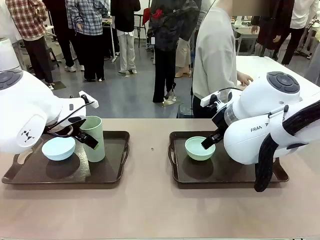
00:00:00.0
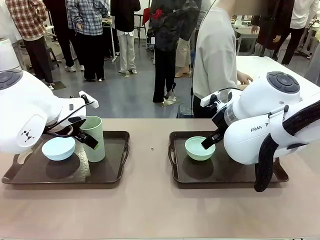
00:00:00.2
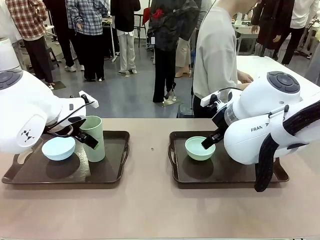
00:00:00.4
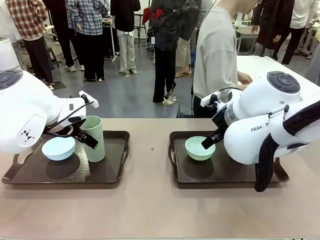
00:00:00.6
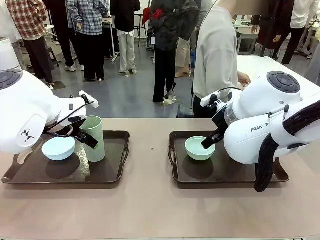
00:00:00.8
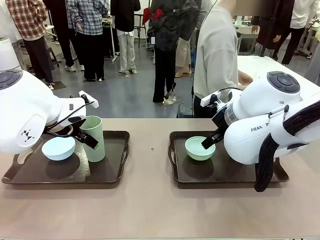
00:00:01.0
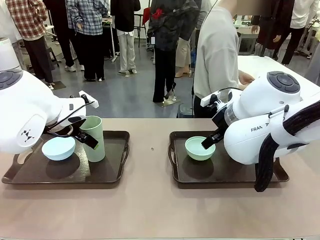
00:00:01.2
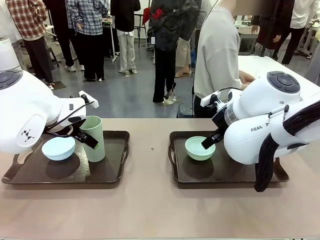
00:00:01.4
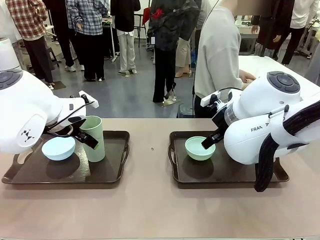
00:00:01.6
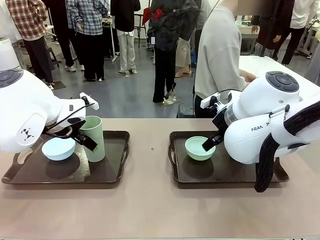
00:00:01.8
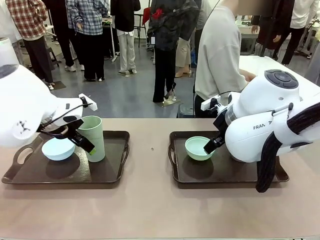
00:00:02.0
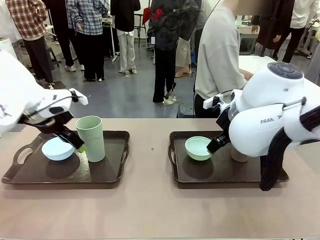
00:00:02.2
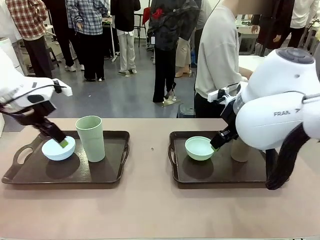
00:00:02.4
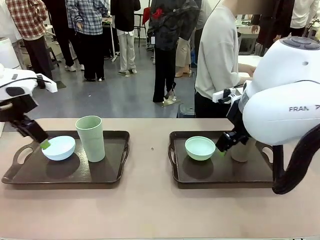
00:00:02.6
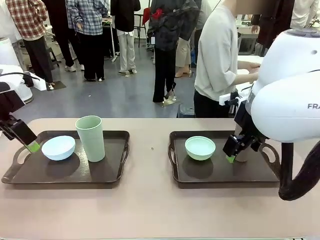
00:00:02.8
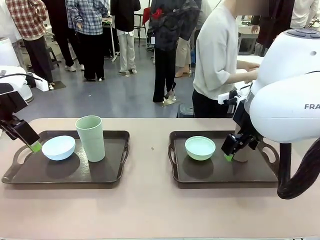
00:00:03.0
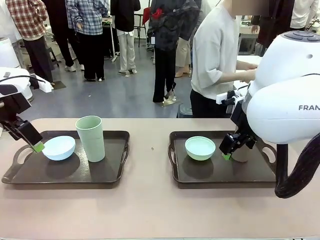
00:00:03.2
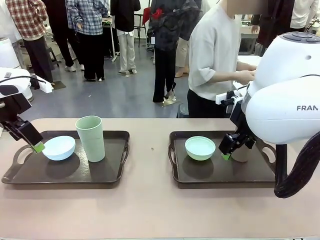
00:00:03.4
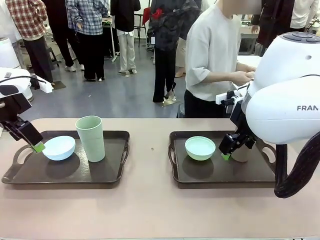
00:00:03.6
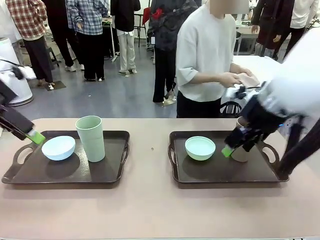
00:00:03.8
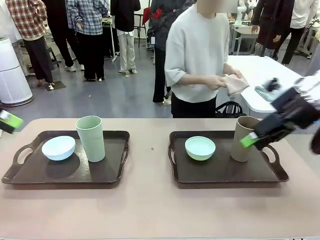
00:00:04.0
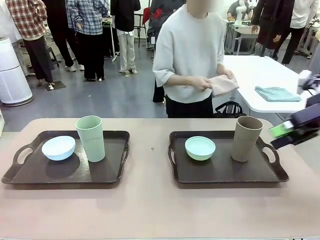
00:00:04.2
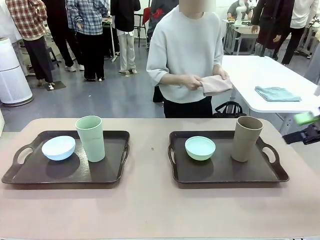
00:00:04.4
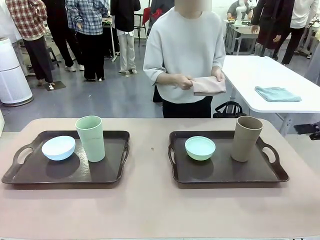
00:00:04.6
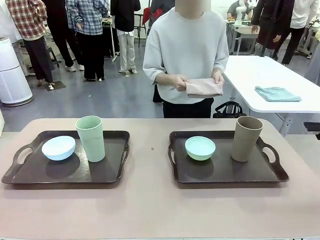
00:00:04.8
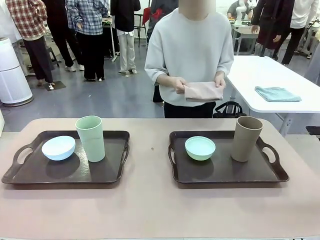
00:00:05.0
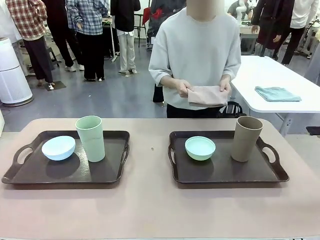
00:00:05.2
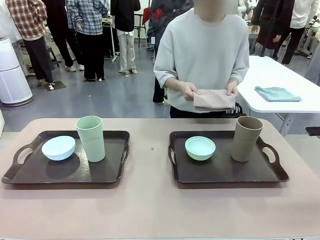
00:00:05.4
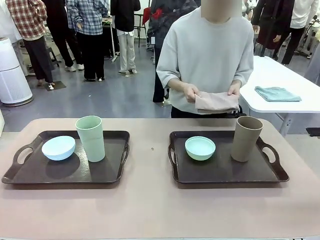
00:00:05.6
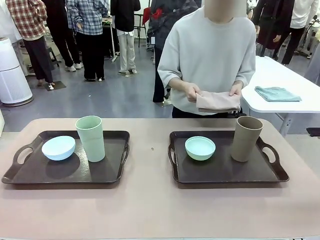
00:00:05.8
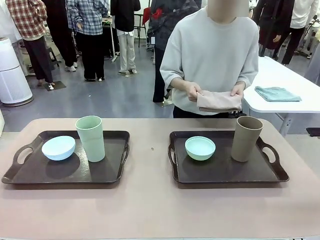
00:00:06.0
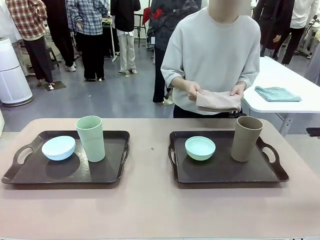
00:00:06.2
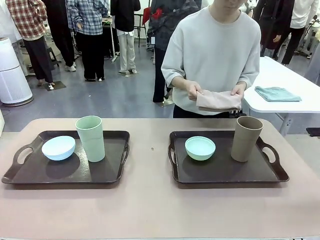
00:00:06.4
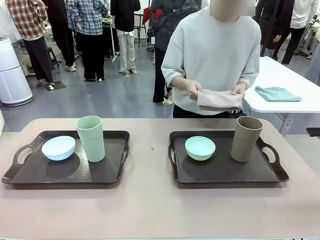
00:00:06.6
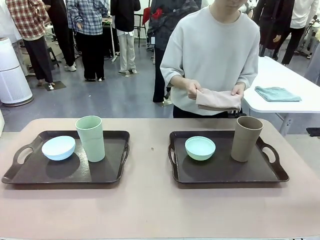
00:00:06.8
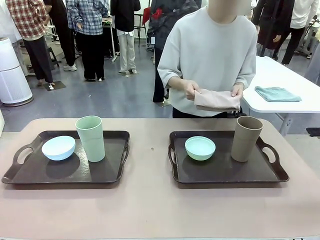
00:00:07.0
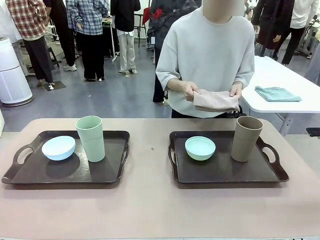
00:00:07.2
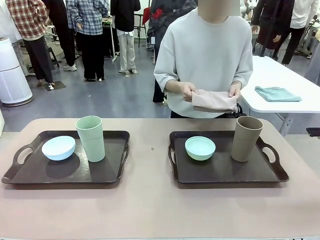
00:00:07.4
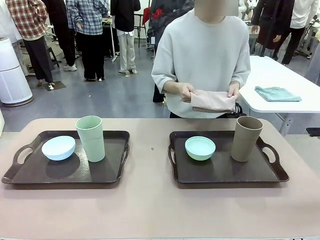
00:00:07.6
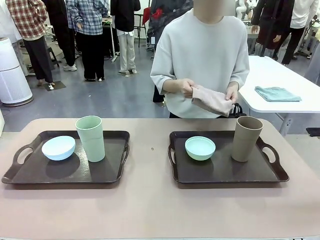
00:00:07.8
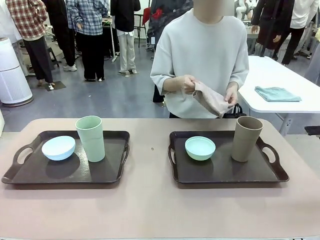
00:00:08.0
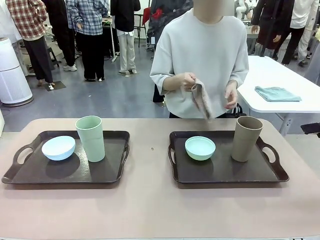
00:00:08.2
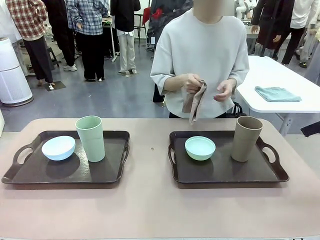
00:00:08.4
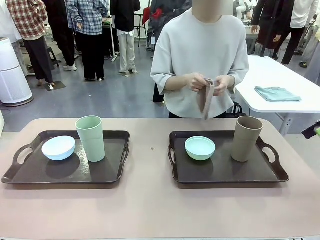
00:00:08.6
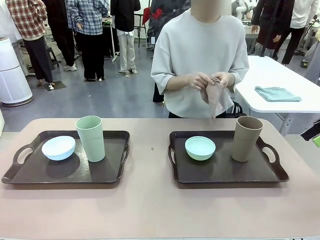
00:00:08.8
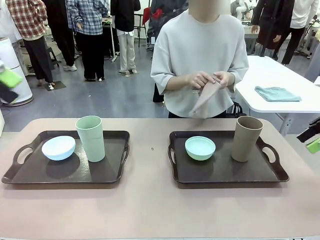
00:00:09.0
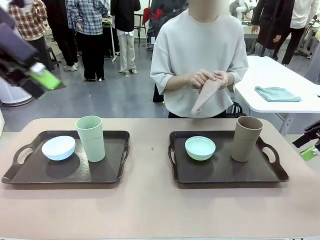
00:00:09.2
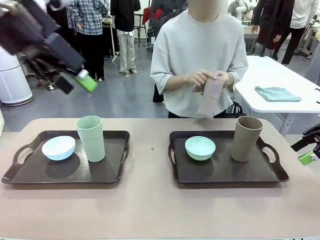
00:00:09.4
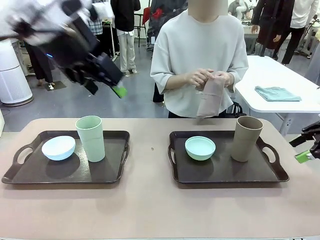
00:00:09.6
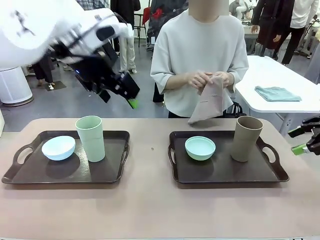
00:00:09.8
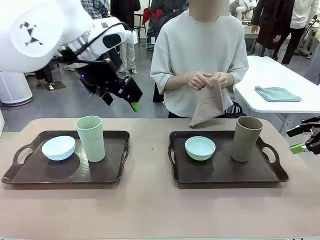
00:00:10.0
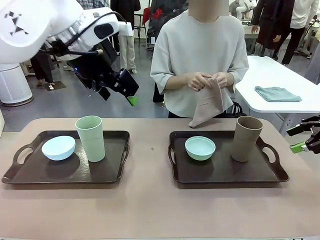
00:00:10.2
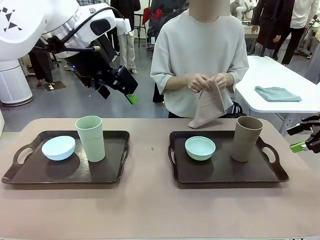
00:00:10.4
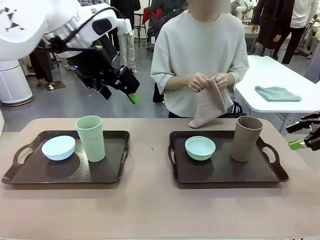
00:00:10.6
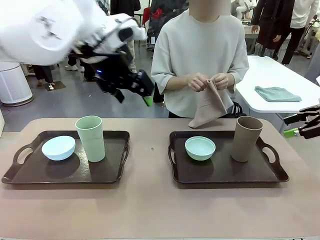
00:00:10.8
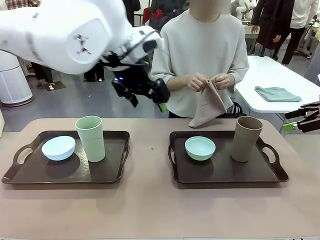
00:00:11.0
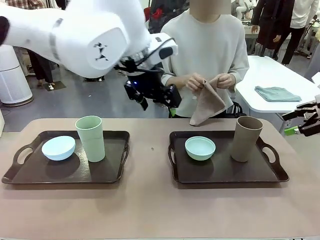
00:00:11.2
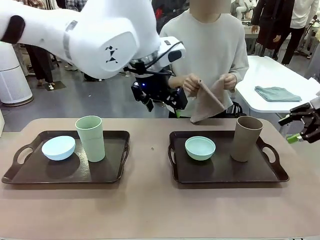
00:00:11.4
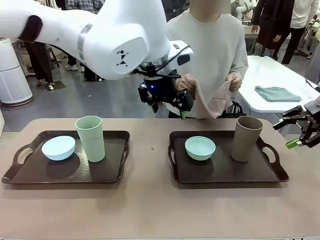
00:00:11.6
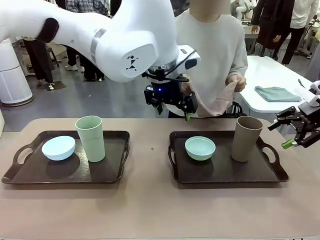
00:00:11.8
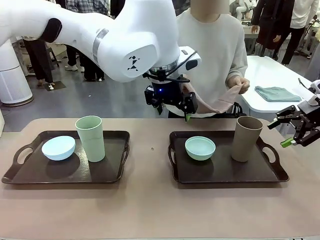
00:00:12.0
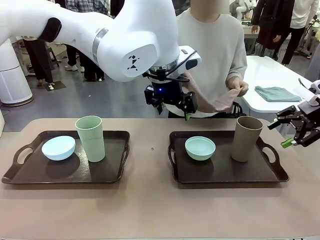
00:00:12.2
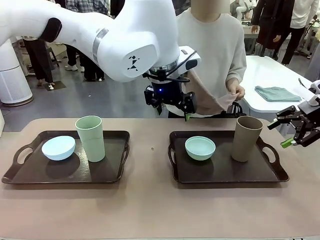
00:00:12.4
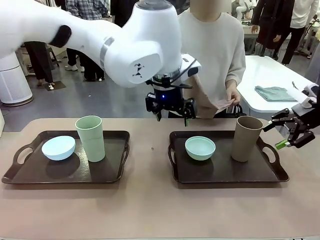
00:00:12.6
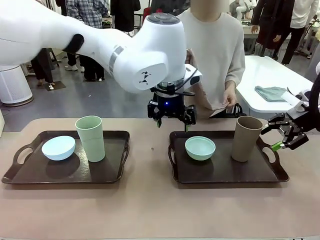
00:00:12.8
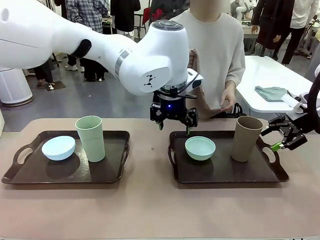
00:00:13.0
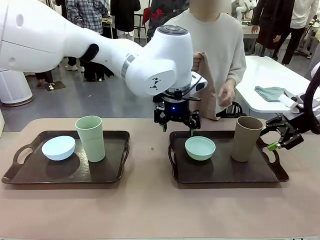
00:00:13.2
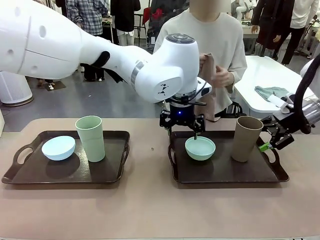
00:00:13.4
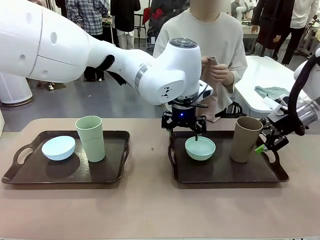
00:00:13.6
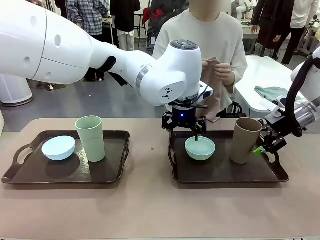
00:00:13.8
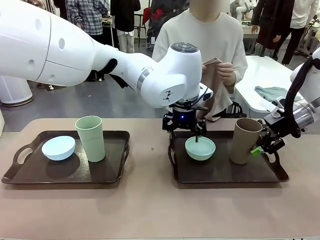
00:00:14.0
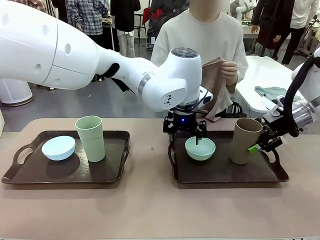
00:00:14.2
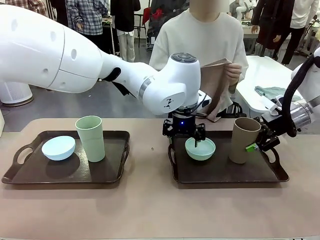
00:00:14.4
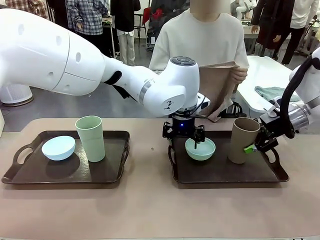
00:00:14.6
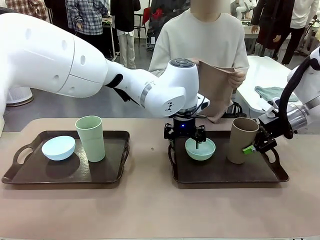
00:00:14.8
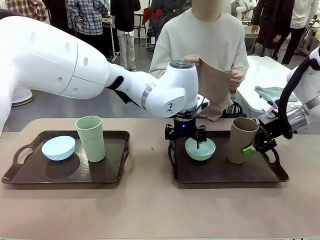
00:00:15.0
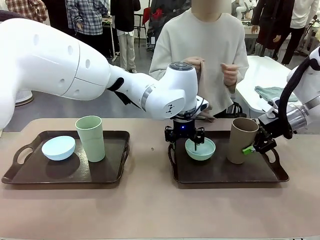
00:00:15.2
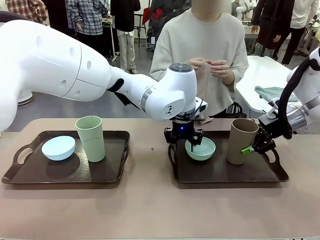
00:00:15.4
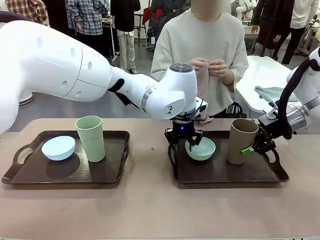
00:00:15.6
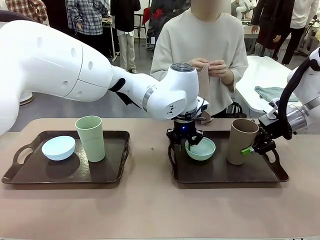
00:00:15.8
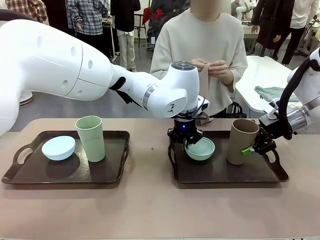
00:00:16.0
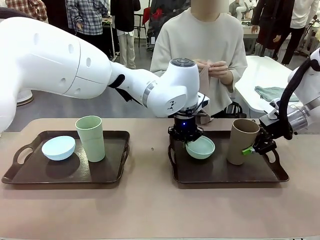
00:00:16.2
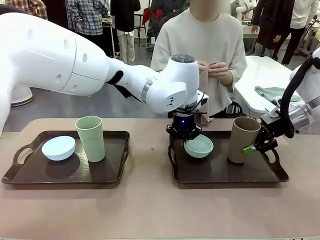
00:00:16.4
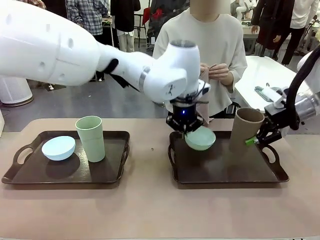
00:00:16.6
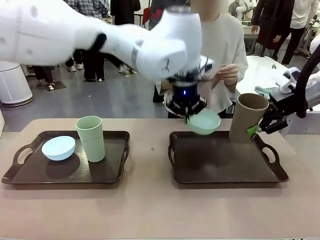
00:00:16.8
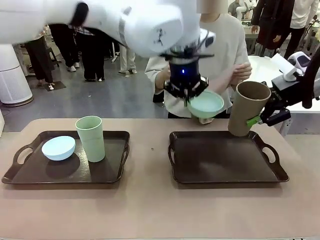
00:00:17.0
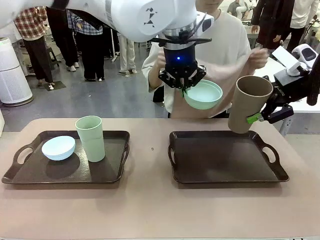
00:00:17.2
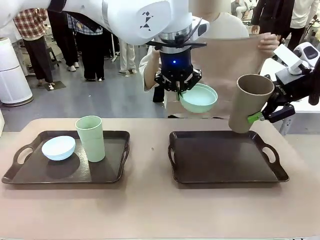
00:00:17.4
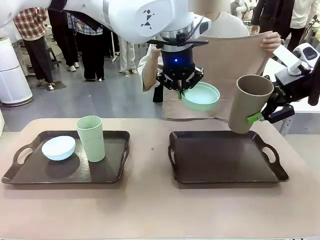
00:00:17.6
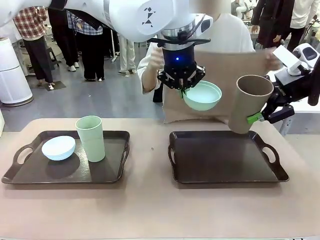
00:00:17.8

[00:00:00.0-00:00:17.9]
Robot: Pick up the Picnic Bowl and Reusable plastic cup from the Handle tray in front of the human's position and hold them in the air.
Person: The human picks up the top napkin from the stack on the human table and walks to the robot table to stand in front of one of the two trays. When the robot lifts the bowl and the cup, the human unfolds the napkin and lays the napkin flat on the tray.
